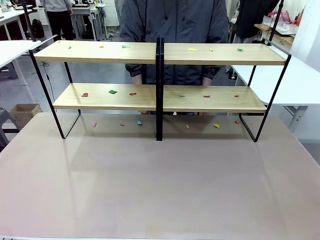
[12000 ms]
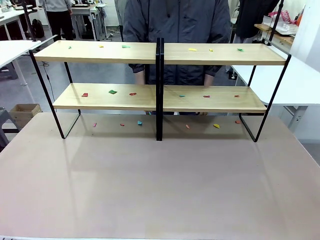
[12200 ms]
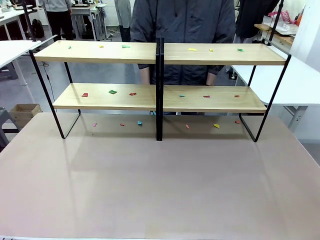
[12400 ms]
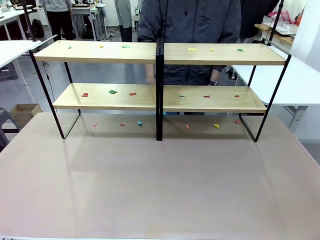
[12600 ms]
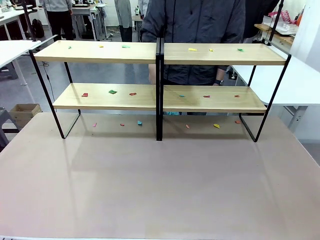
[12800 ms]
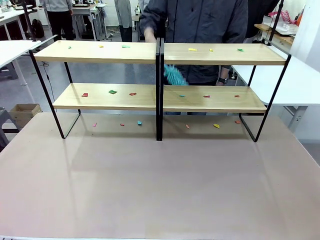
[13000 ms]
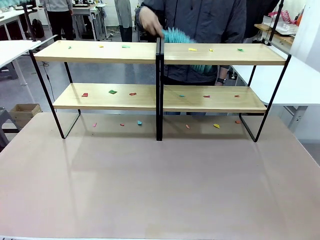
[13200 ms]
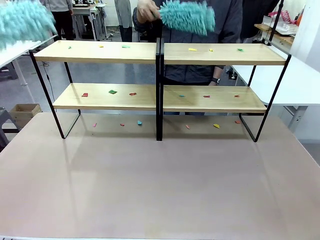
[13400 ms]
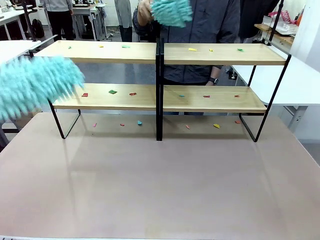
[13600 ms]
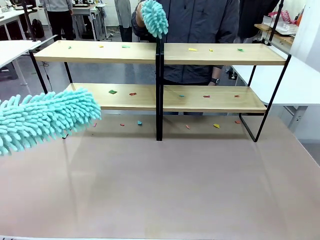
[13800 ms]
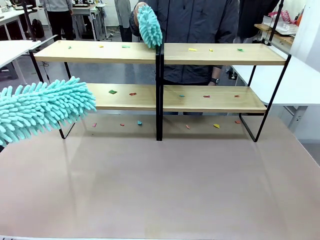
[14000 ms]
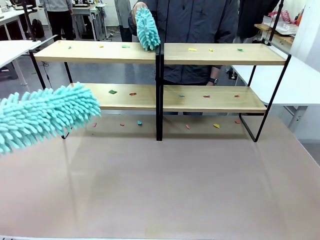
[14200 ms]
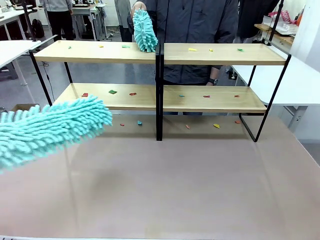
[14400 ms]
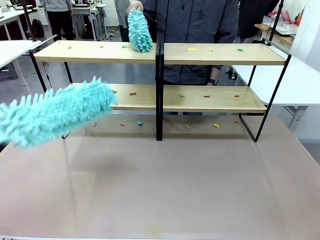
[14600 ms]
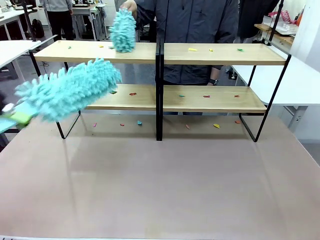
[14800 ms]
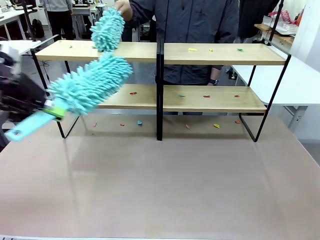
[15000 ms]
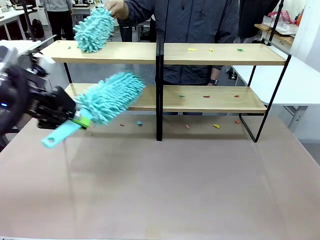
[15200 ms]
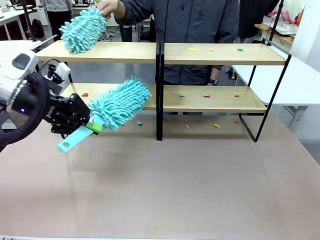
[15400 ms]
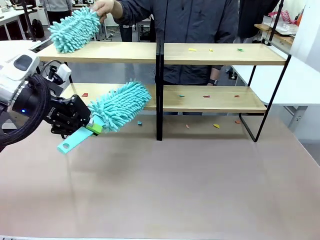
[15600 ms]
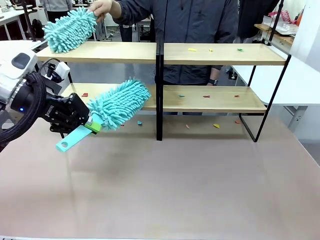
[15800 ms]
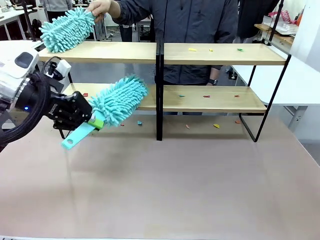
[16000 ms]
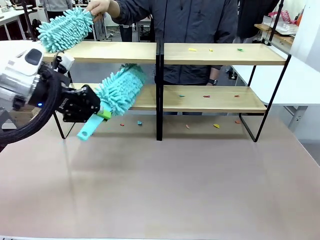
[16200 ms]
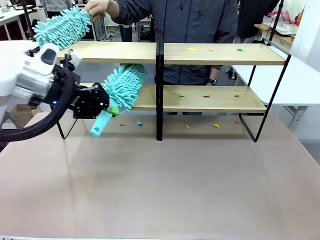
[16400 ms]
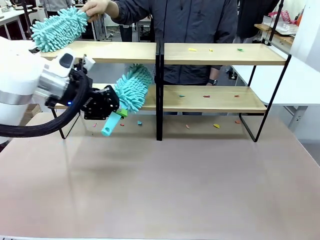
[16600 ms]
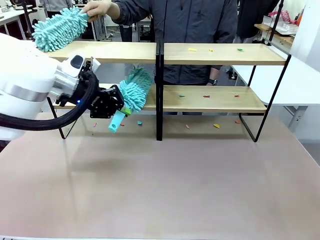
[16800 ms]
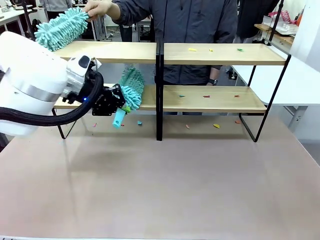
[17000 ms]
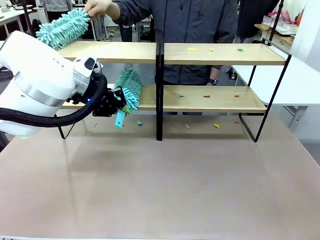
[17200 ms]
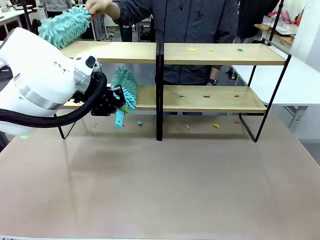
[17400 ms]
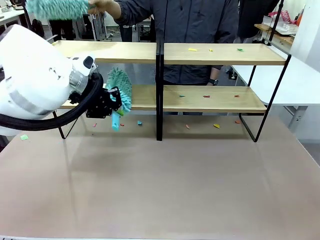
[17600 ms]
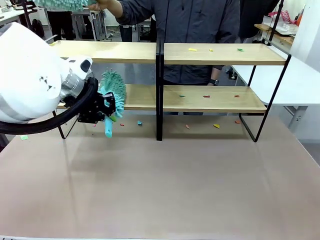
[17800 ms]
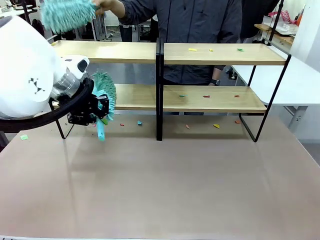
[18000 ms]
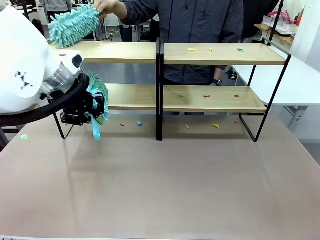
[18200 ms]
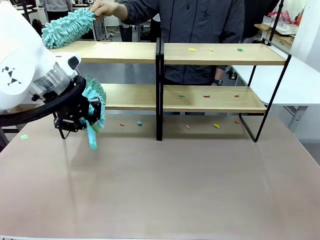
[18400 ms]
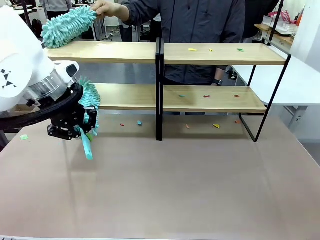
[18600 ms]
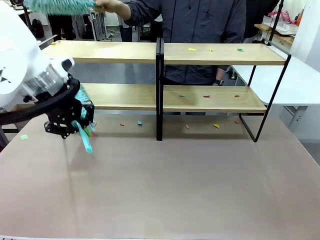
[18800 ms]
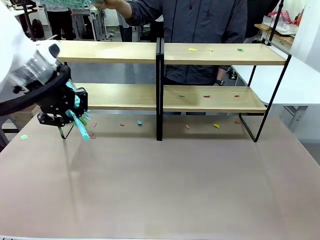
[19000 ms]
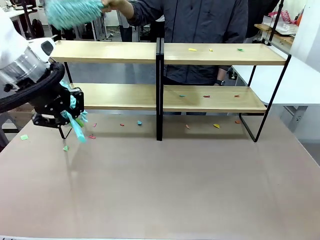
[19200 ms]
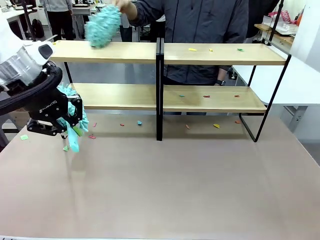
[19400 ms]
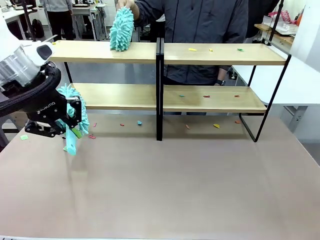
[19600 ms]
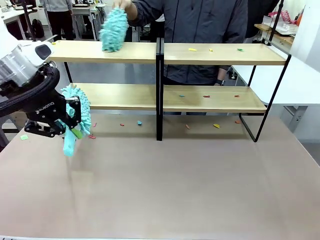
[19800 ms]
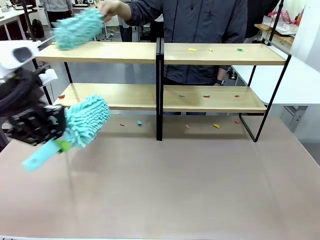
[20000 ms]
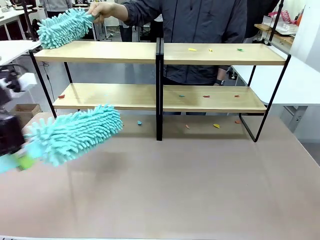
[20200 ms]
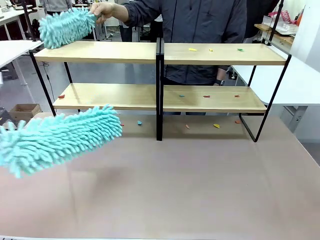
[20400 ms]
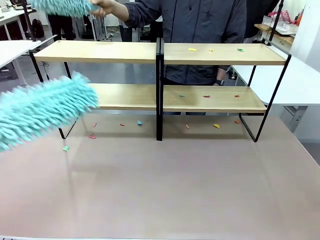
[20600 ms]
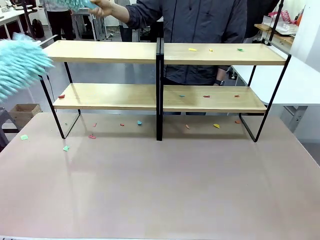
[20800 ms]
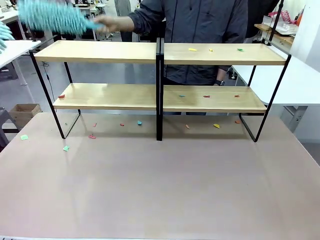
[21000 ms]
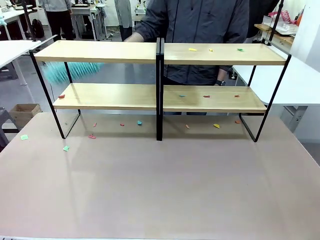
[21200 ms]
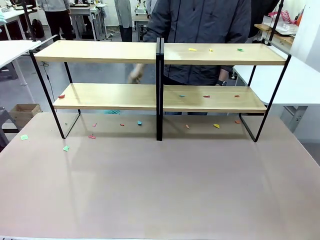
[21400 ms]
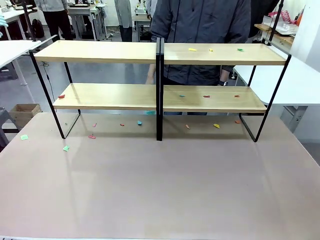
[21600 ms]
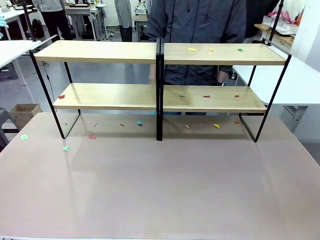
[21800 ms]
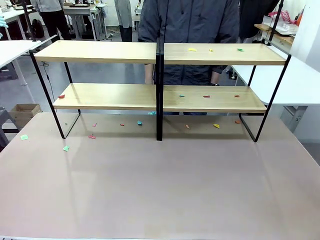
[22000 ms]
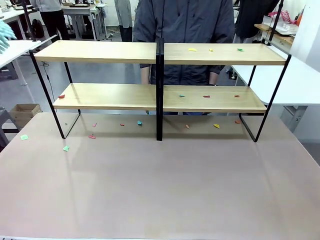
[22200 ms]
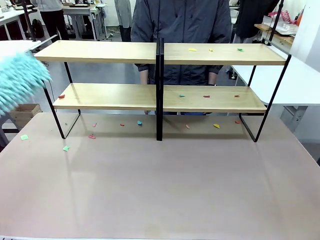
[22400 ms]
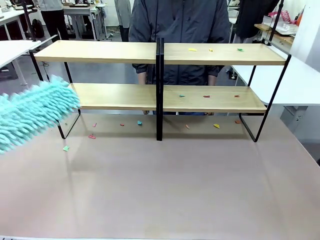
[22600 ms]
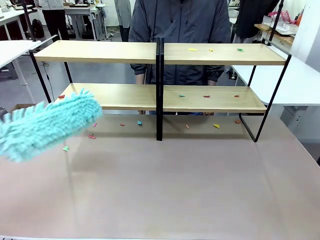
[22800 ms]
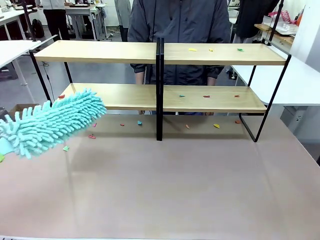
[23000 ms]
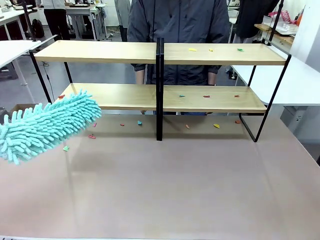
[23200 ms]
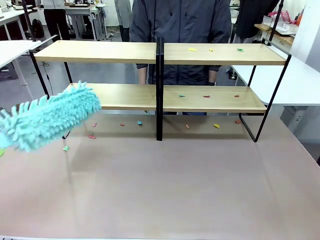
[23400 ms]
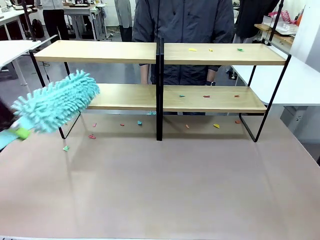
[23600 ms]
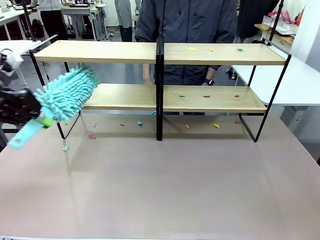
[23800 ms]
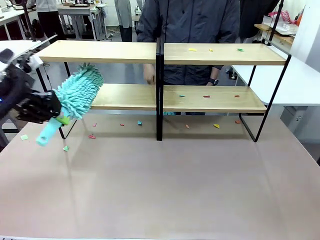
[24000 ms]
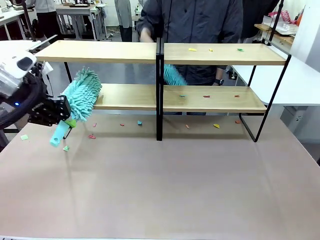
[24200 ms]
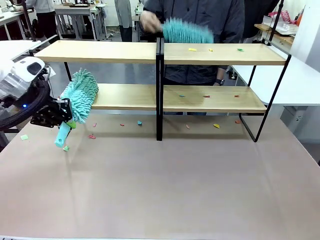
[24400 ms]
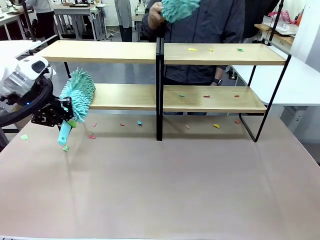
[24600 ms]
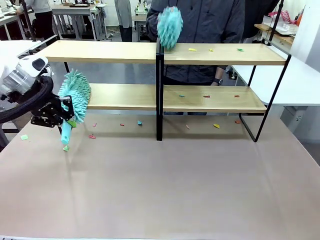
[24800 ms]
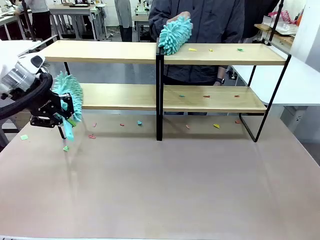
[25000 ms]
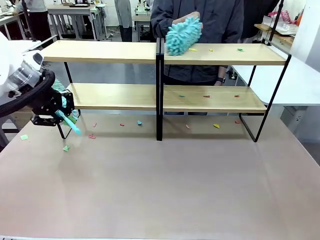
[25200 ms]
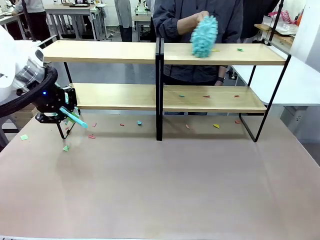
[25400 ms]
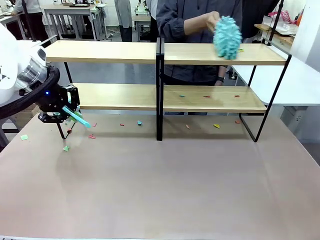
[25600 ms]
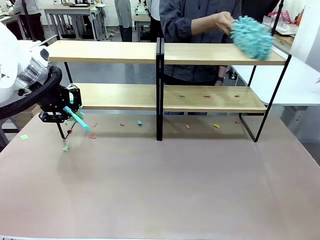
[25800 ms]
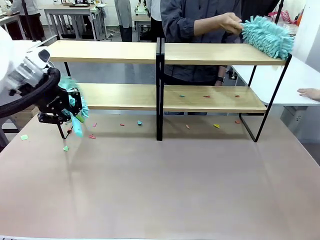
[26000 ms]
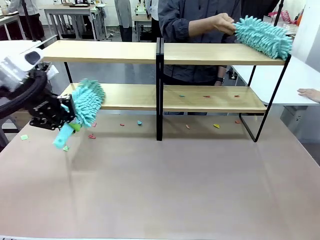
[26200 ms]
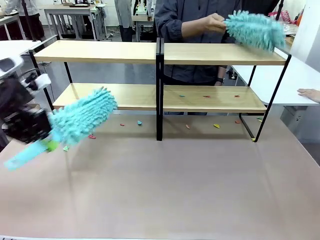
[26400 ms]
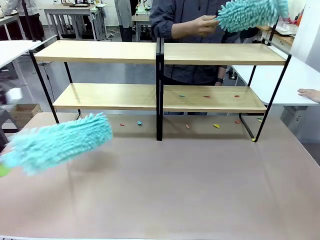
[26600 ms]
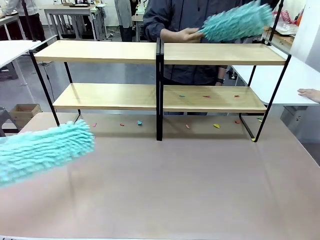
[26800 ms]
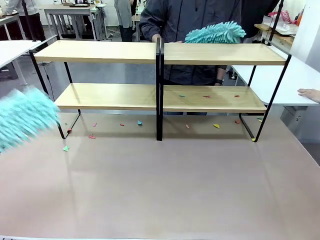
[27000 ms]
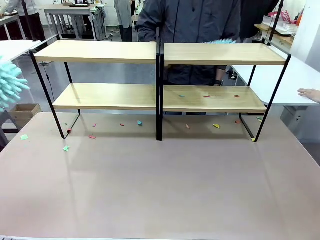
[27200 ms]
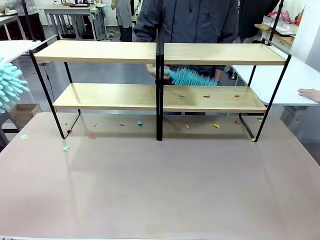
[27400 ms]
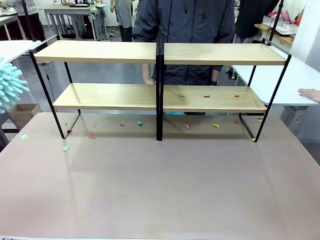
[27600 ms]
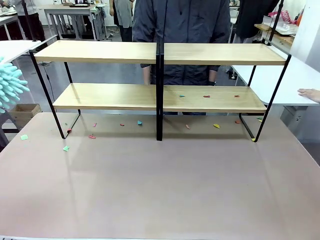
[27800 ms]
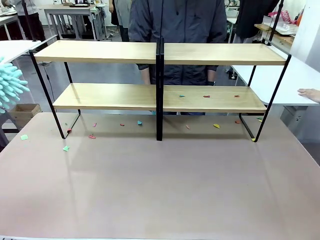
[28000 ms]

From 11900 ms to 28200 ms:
Task: Clean the shelves.
Robot: Clean a randomly selected level of the Shelf with the Duster.
